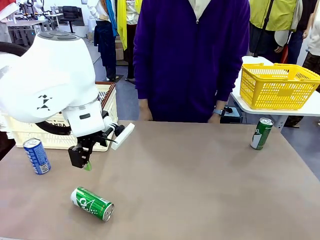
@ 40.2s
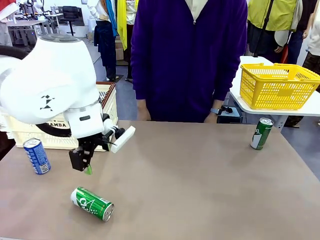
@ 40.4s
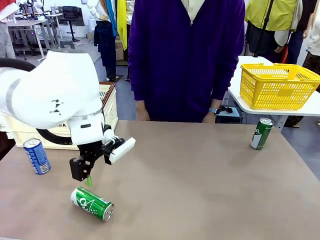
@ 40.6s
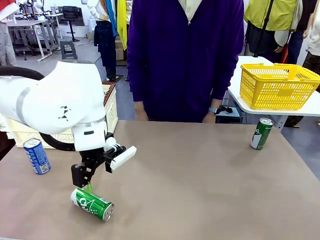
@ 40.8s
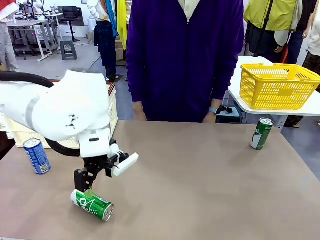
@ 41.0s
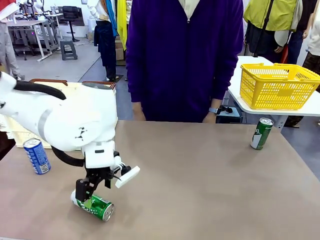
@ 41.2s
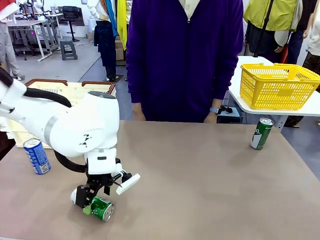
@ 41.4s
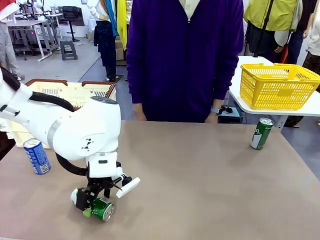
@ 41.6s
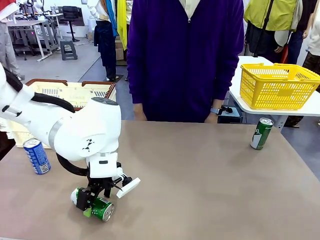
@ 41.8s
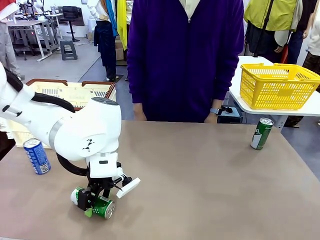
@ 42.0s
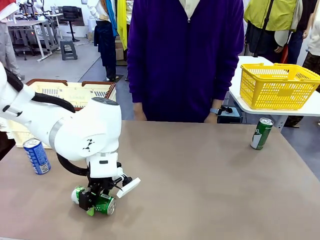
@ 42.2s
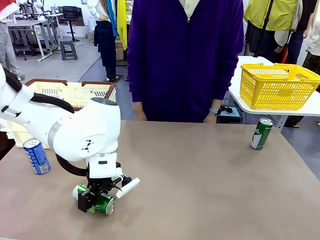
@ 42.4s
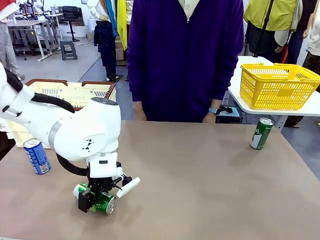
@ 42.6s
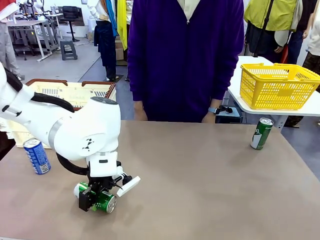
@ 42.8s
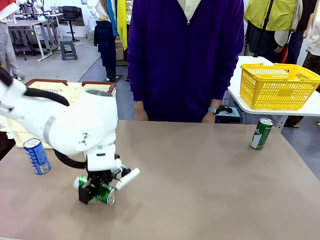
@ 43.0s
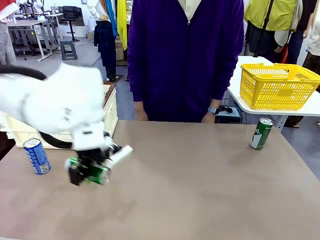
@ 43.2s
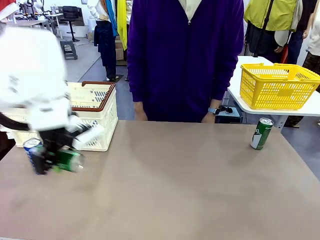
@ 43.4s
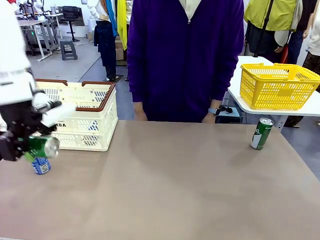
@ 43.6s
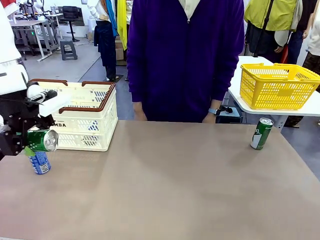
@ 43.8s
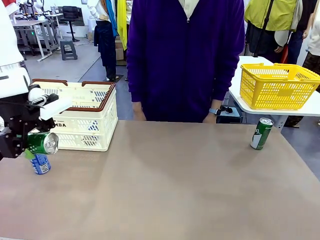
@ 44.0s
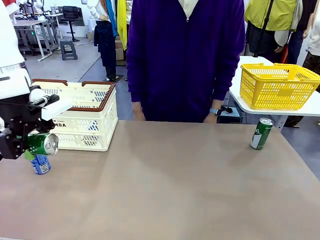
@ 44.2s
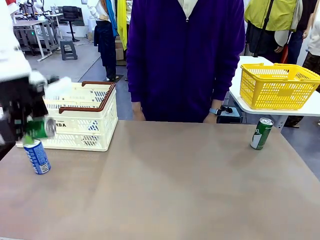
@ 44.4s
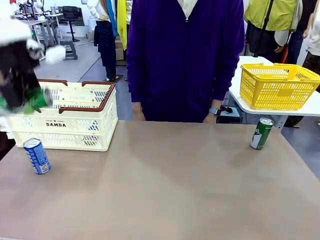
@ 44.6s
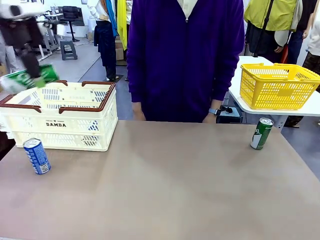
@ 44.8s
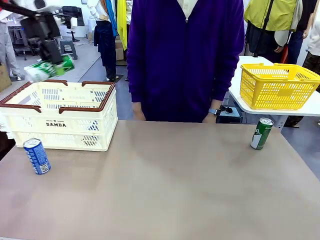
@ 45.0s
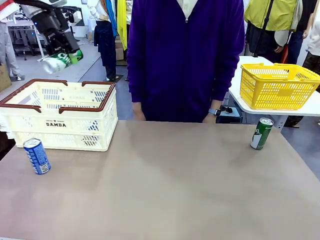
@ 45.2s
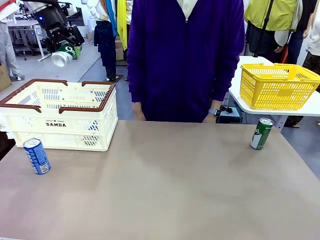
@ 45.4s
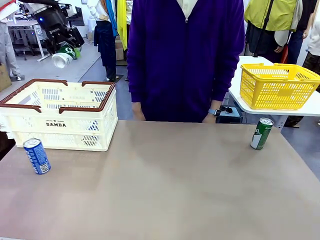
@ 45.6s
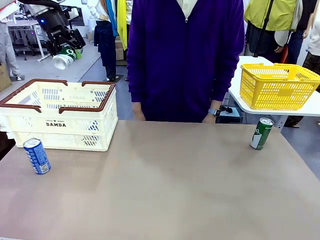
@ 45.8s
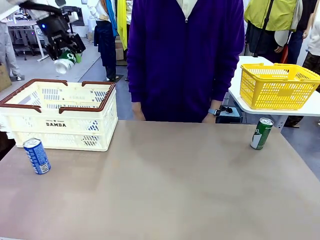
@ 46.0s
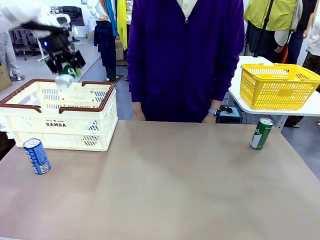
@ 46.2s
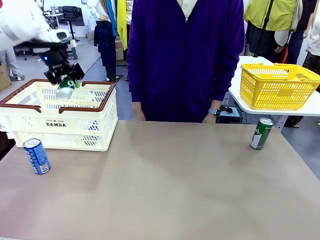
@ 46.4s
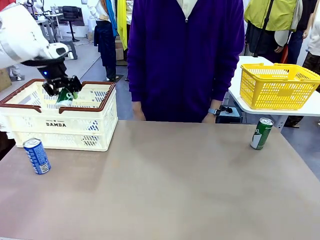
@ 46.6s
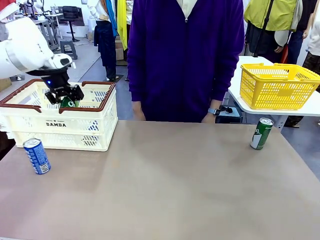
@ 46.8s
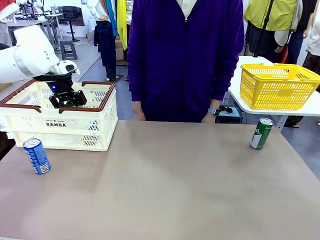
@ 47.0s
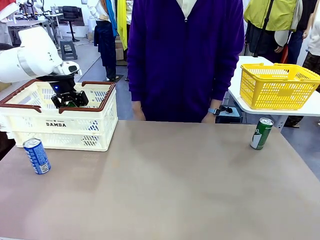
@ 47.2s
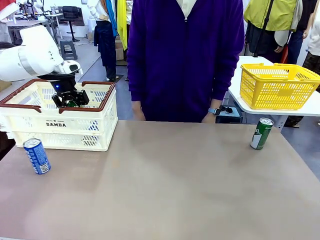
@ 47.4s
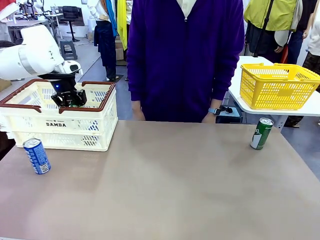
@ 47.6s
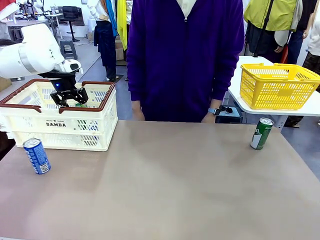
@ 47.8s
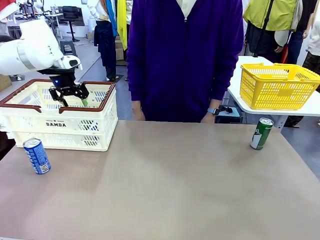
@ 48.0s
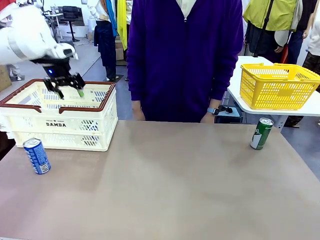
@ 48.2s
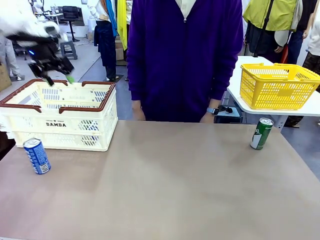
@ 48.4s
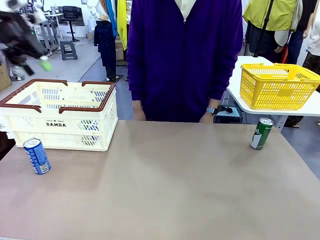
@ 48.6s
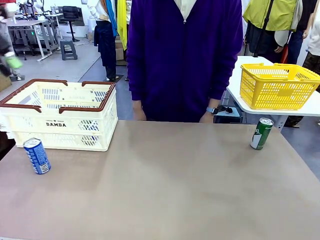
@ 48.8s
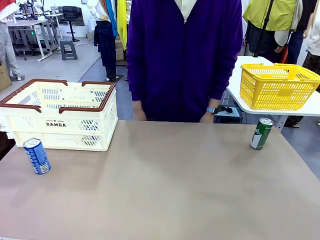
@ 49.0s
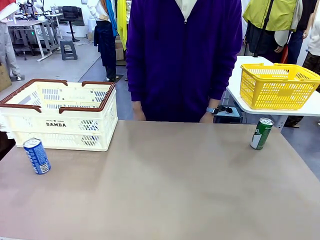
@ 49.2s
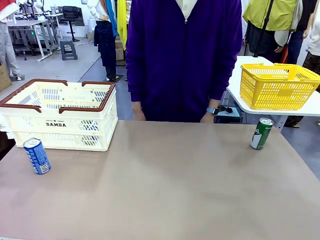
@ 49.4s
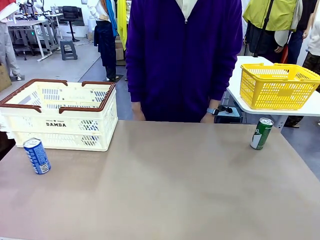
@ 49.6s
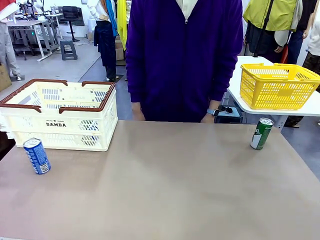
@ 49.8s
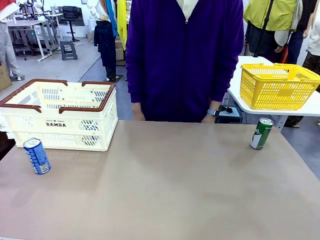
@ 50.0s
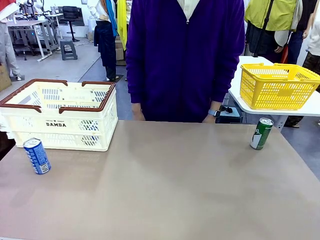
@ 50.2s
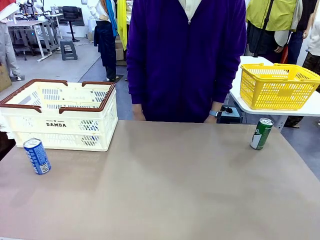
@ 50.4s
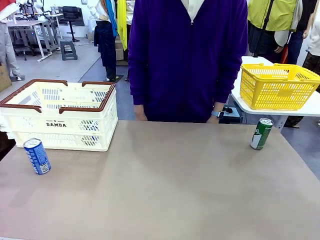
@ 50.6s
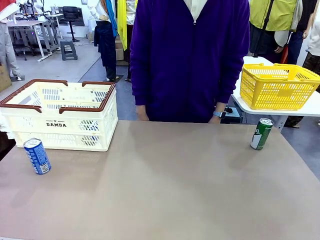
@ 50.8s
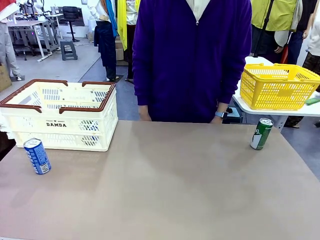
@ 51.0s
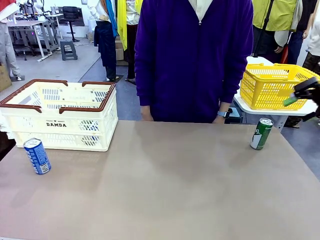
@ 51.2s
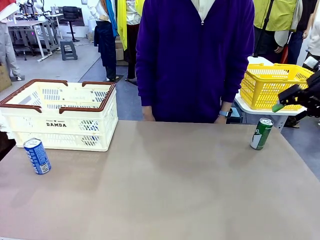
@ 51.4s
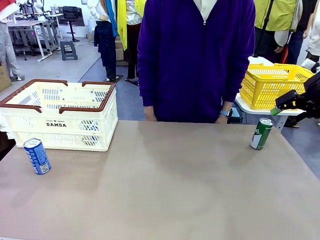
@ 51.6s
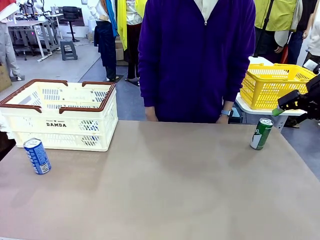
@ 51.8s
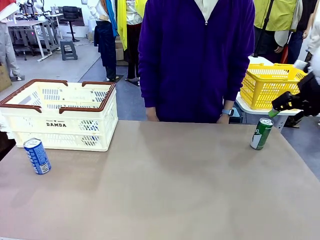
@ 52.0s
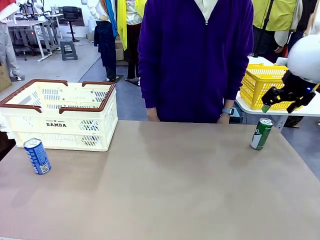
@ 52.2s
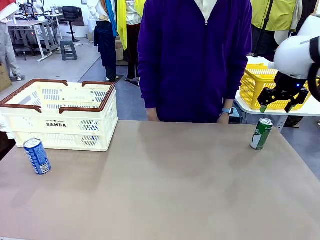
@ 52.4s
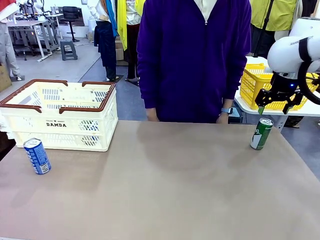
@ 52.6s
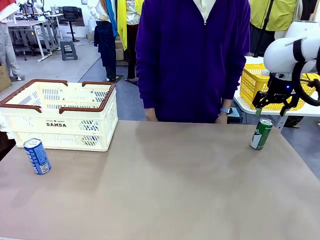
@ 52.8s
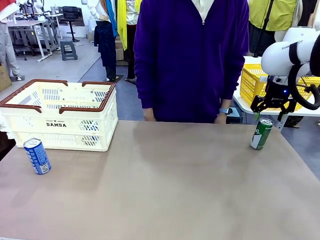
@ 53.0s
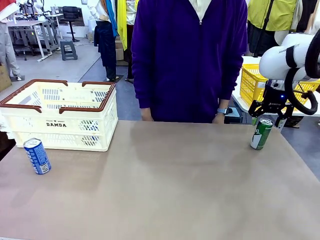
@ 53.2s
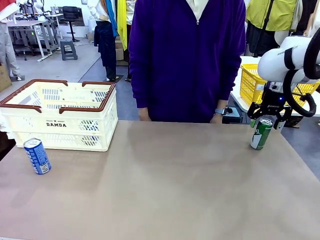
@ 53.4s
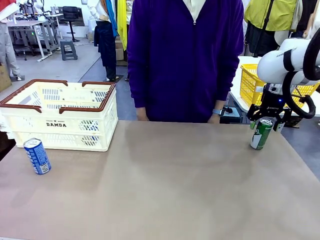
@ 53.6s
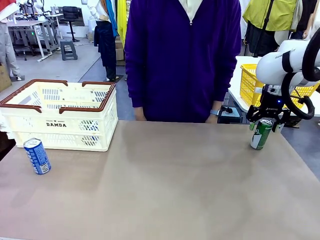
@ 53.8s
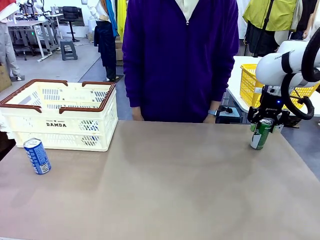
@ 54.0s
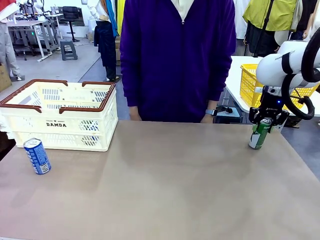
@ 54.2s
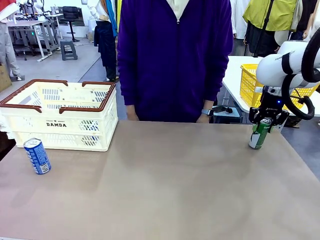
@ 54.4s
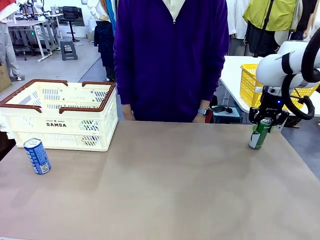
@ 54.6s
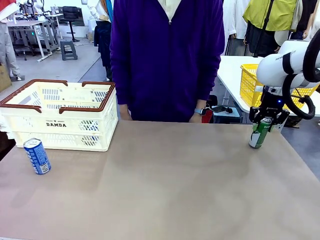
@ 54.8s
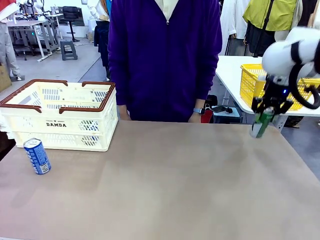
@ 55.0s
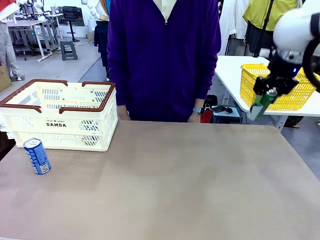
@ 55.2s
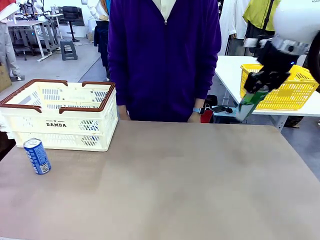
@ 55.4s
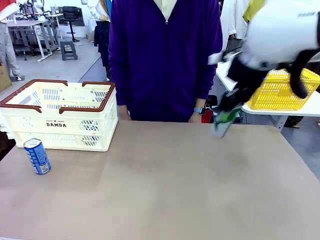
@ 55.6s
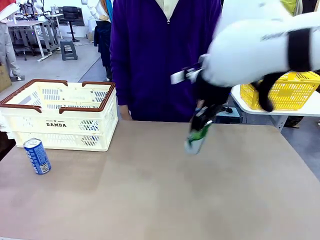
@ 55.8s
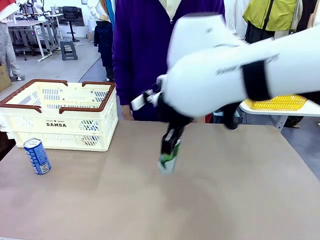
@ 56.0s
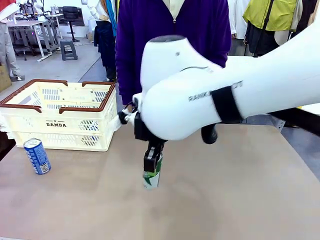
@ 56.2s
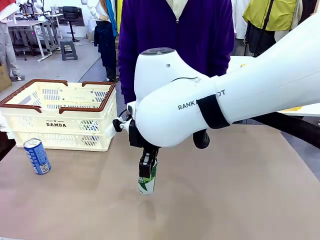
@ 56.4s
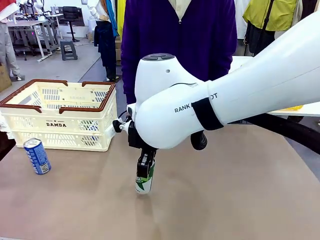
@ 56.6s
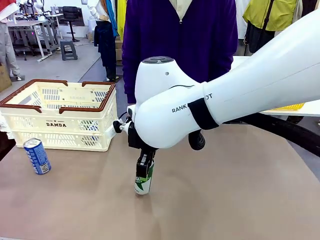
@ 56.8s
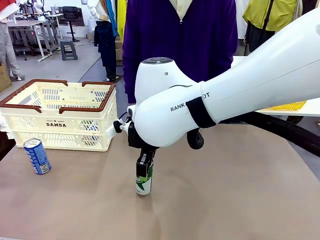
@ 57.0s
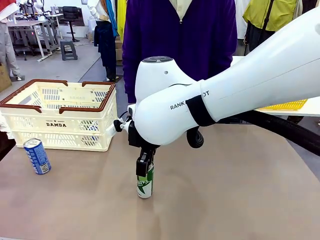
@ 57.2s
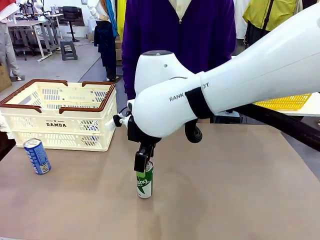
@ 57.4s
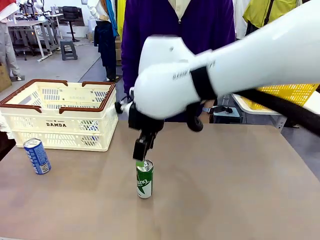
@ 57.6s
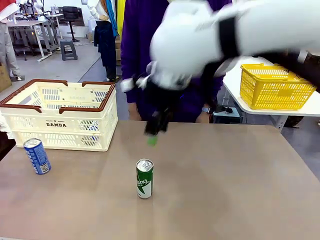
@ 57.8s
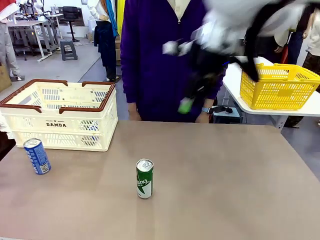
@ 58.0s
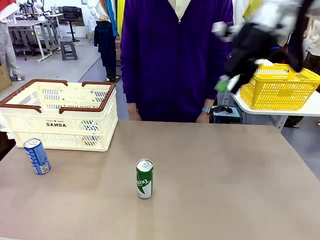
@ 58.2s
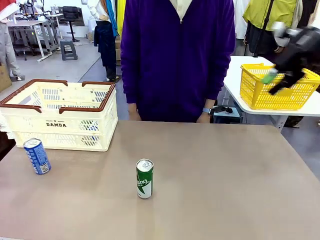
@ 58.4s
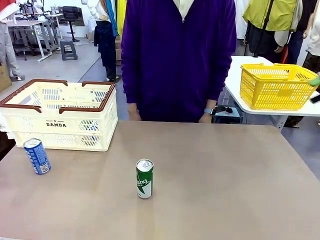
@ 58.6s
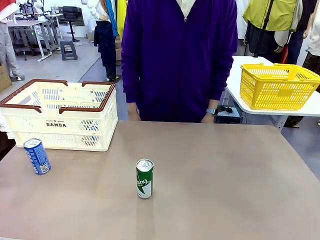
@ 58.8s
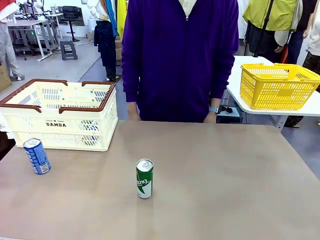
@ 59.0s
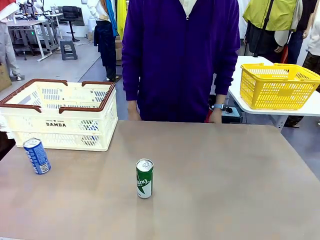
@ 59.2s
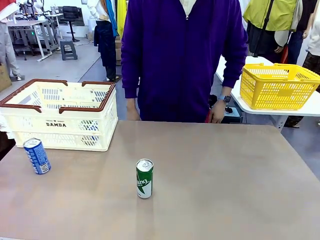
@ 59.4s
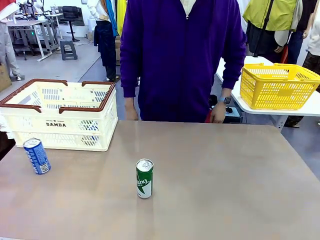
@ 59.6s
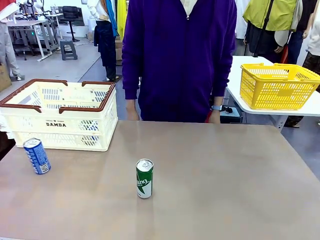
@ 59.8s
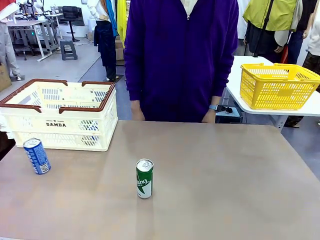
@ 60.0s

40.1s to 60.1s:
Task: Place the drinks into the Shopping basket.
Robot: Pick up one drink and place it into the Shopping basket.
